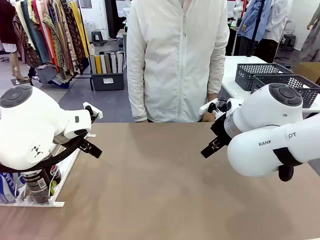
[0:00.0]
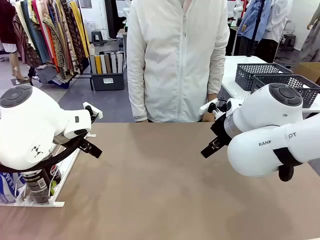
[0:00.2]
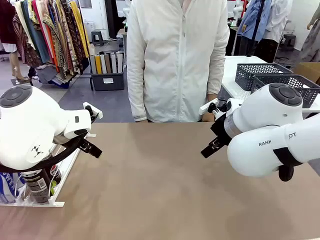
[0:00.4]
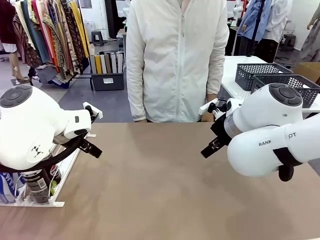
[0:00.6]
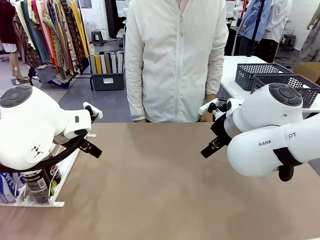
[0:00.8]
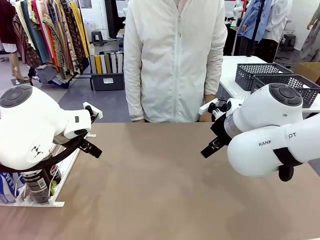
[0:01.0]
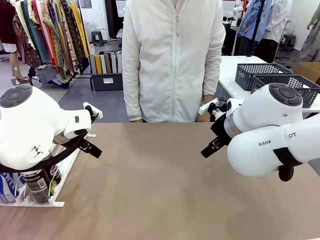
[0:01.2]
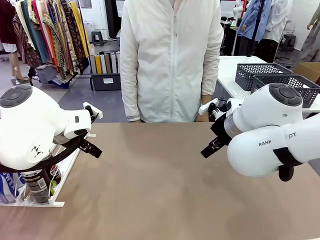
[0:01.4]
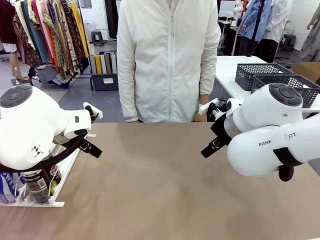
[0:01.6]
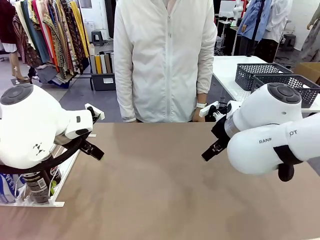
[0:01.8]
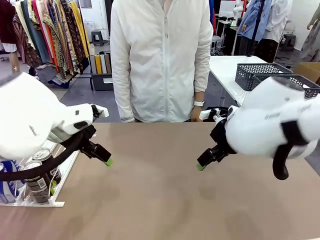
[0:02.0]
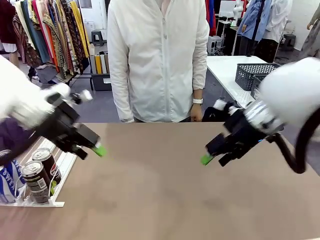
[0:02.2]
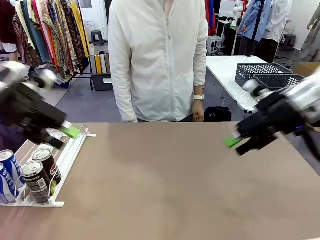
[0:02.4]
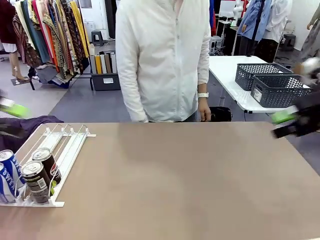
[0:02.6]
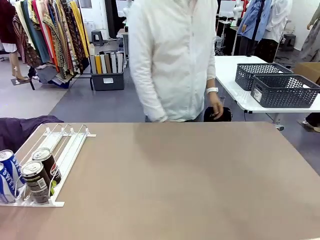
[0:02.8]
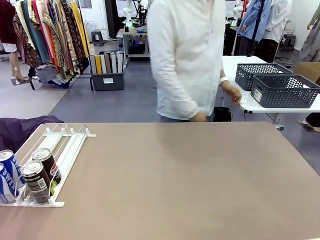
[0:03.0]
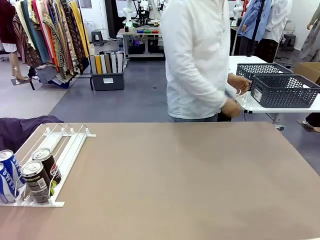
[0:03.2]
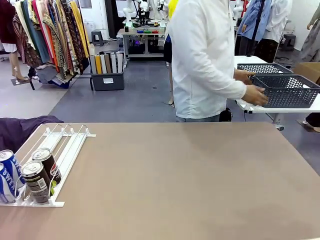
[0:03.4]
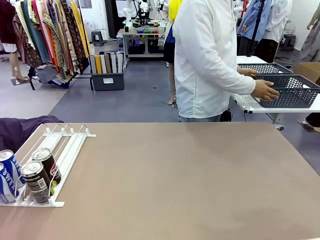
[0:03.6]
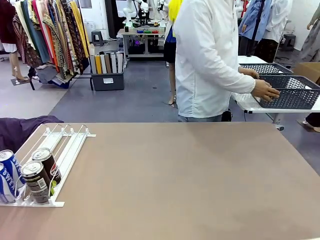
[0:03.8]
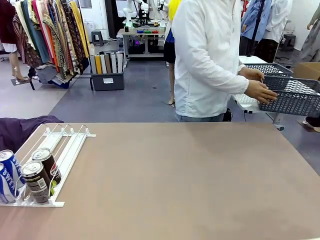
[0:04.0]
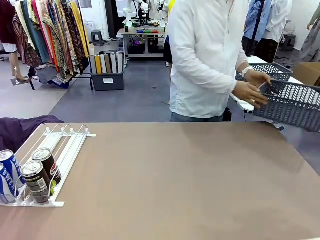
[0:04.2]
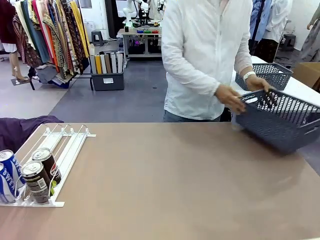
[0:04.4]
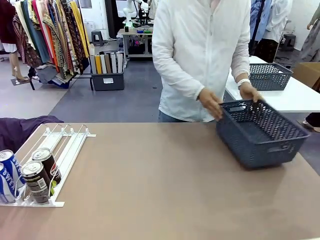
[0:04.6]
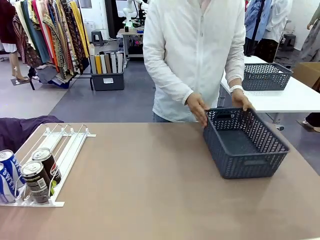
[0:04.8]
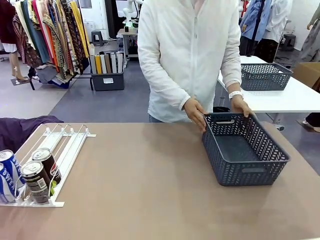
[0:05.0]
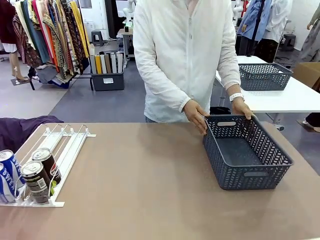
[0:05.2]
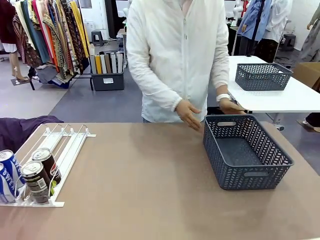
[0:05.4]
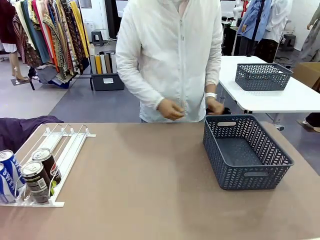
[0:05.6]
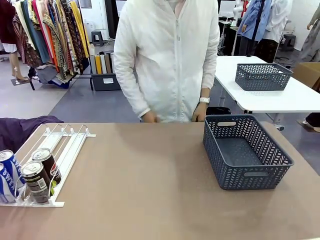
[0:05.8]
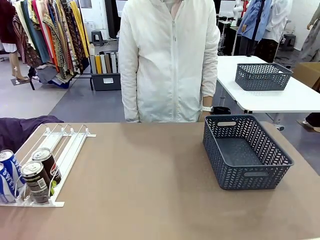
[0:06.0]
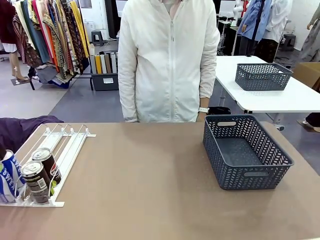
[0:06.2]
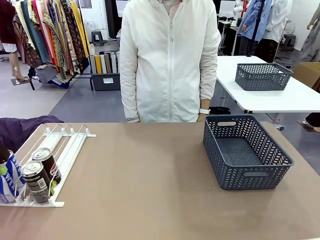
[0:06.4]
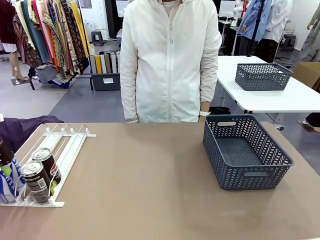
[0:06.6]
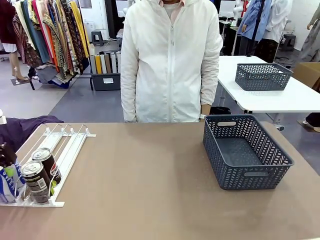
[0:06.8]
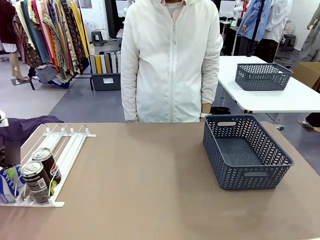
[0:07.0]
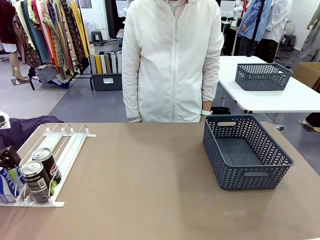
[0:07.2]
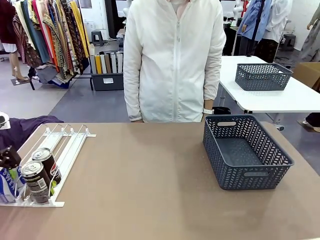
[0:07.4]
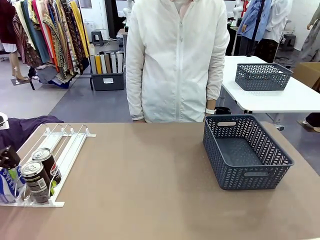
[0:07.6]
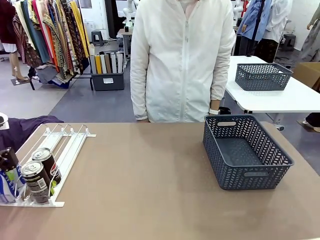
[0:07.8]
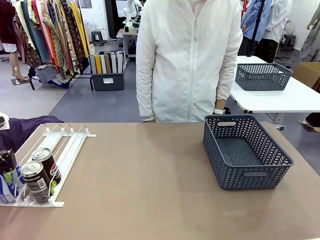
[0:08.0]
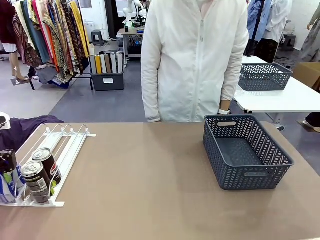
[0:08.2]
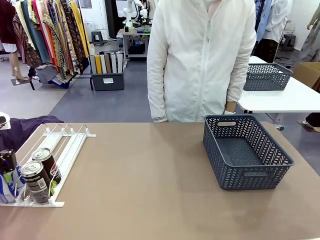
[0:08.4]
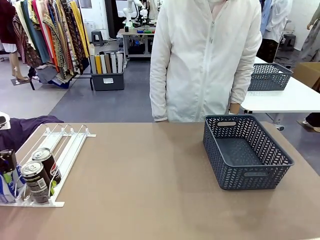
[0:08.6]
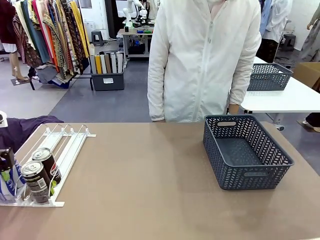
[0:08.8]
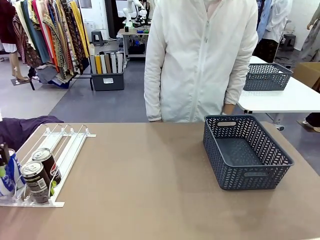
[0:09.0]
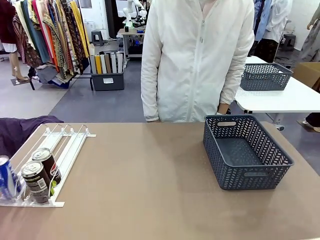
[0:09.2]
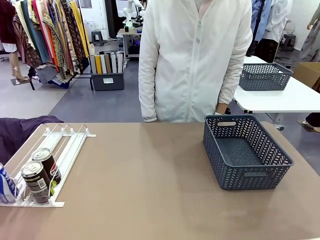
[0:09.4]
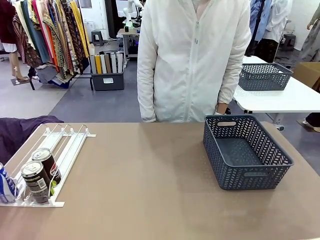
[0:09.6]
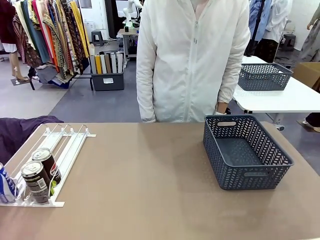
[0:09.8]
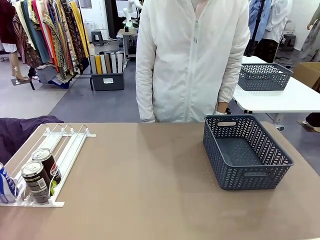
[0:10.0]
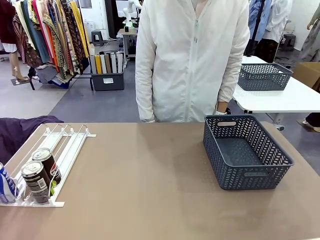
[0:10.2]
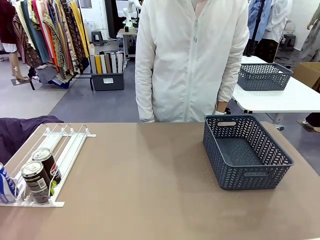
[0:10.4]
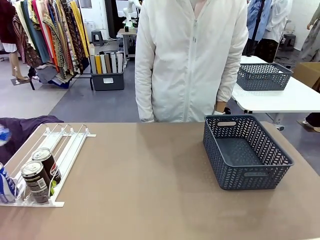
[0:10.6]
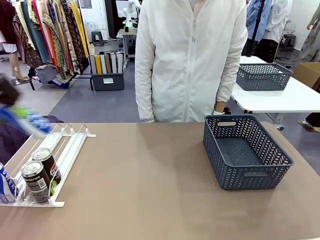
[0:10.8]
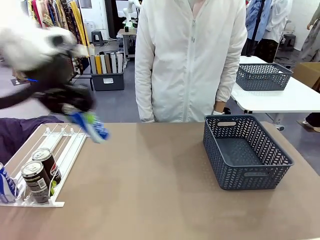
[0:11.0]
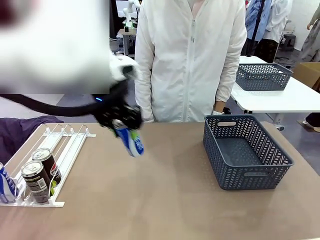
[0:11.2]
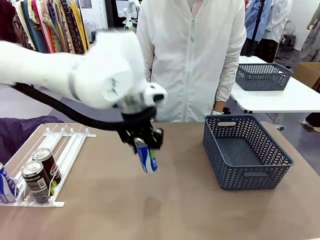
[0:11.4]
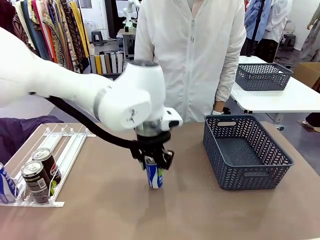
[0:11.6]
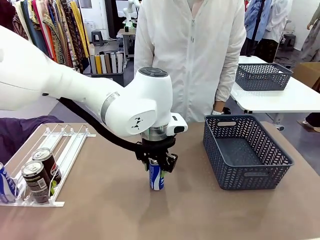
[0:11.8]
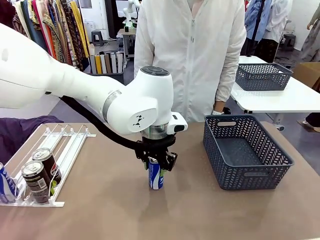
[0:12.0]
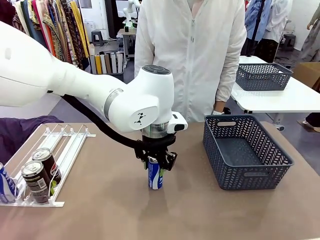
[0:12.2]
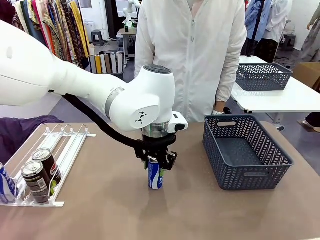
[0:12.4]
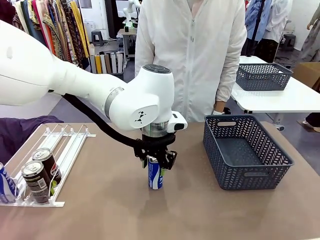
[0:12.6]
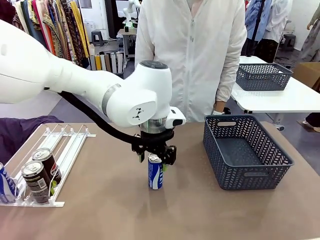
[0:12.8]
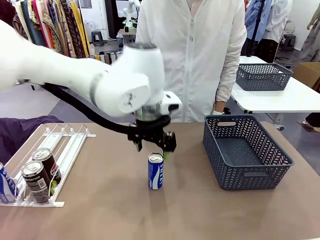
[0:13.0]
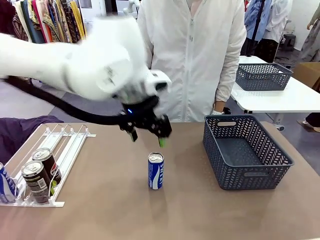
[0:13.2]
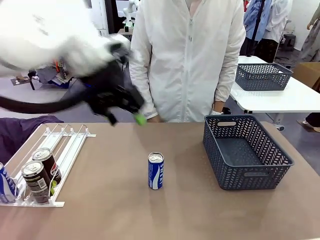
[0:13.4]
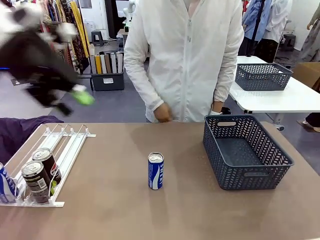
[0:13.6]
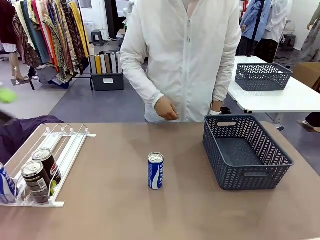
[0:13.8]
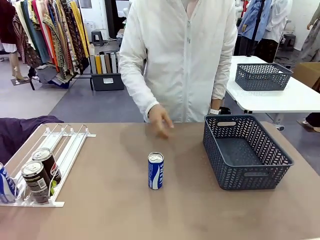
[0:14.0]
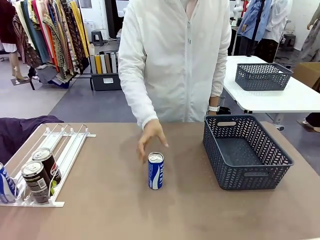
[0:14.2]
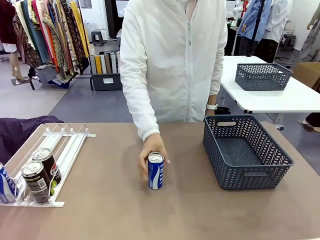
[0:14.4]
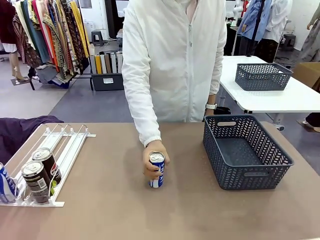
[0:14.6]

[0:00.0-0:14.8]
Task: Retrieve and store the cans from the dispenser.
Robot: Pick up one can from the Automatic Can Dispenser and place it in the middle of the table.
Person: Pick up the basket and place it on the left side of the robot table.
